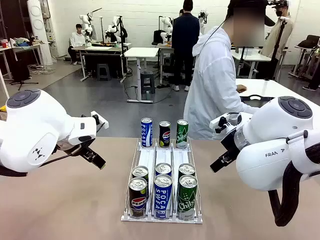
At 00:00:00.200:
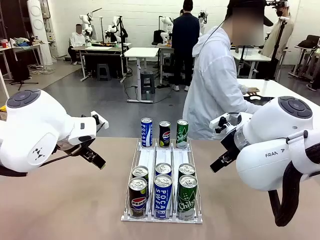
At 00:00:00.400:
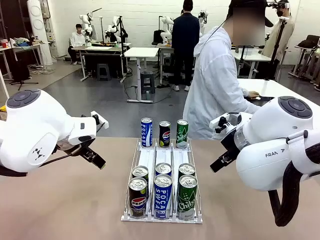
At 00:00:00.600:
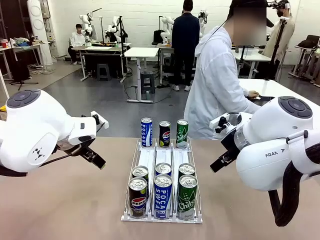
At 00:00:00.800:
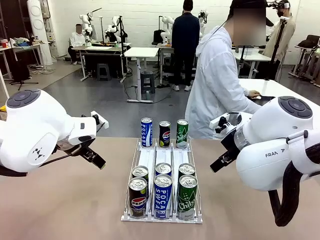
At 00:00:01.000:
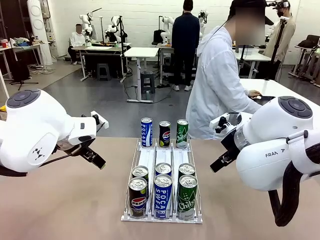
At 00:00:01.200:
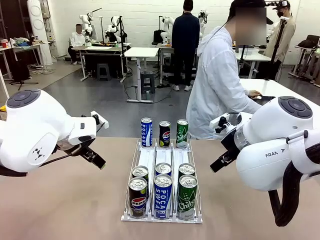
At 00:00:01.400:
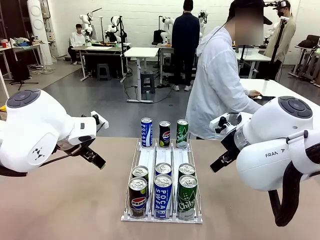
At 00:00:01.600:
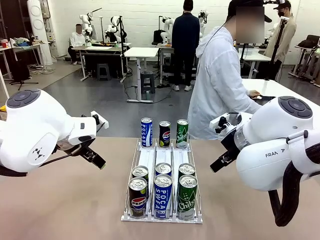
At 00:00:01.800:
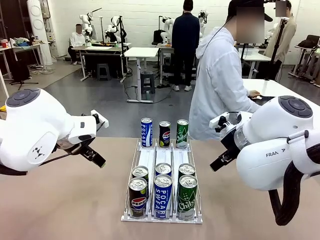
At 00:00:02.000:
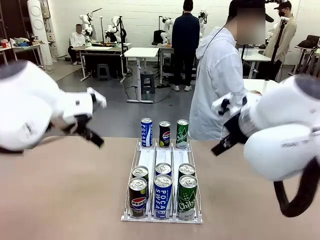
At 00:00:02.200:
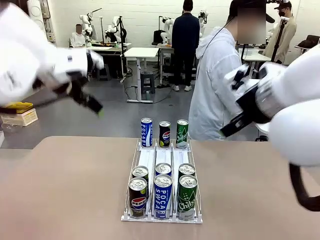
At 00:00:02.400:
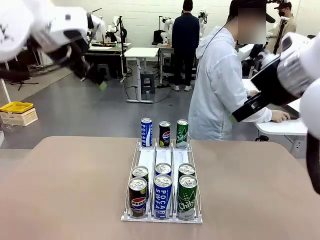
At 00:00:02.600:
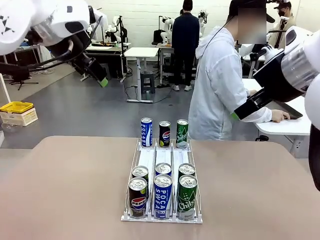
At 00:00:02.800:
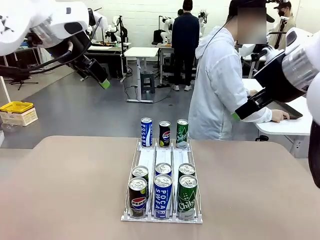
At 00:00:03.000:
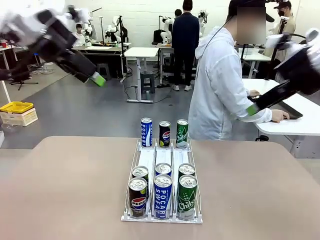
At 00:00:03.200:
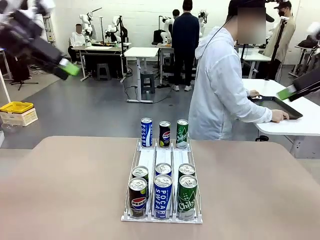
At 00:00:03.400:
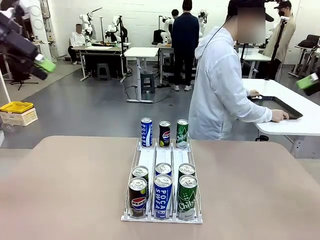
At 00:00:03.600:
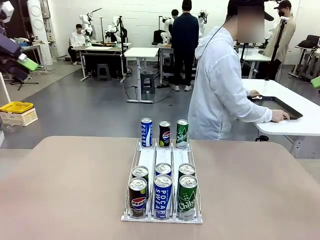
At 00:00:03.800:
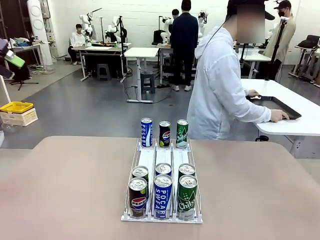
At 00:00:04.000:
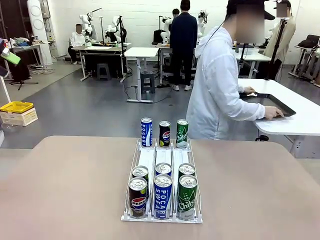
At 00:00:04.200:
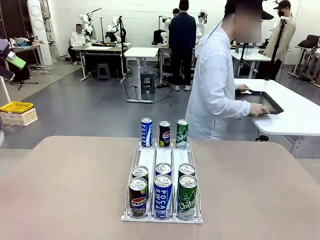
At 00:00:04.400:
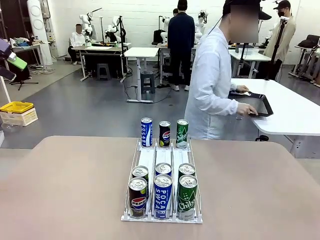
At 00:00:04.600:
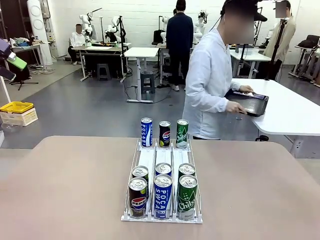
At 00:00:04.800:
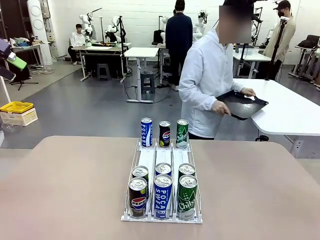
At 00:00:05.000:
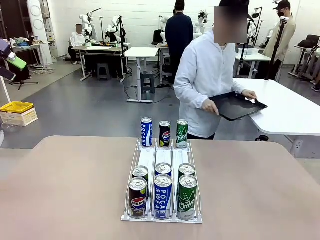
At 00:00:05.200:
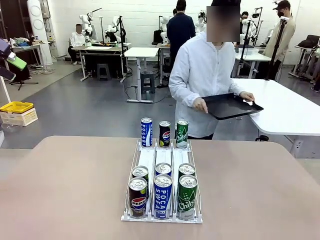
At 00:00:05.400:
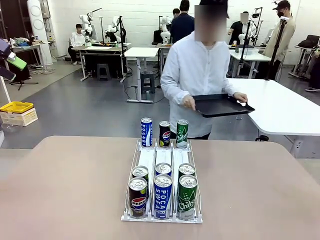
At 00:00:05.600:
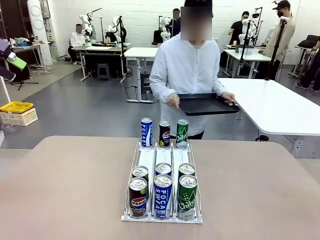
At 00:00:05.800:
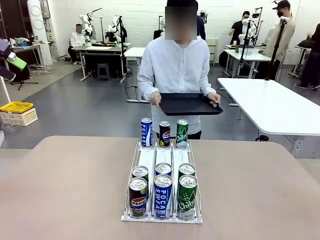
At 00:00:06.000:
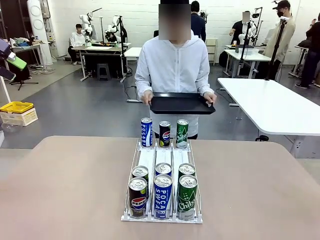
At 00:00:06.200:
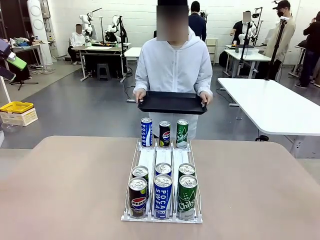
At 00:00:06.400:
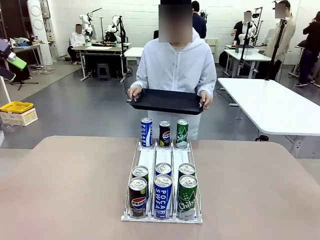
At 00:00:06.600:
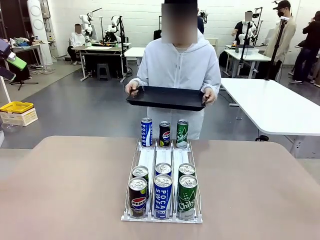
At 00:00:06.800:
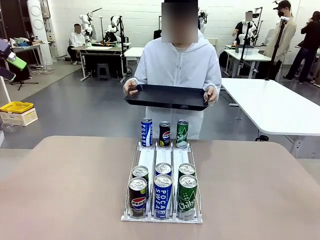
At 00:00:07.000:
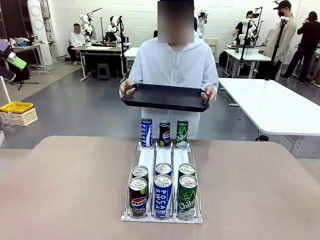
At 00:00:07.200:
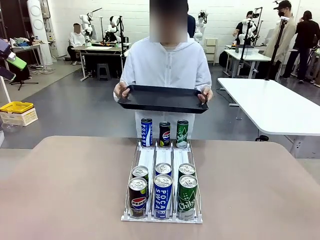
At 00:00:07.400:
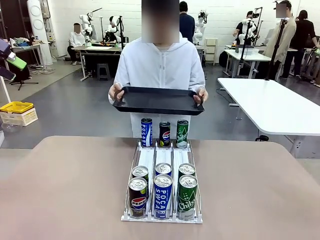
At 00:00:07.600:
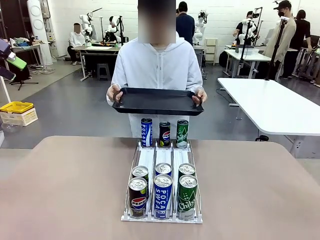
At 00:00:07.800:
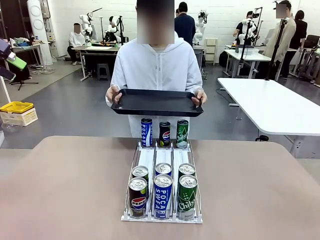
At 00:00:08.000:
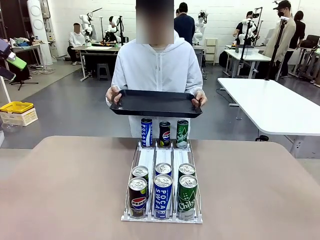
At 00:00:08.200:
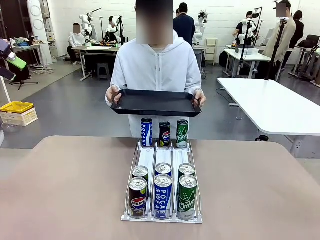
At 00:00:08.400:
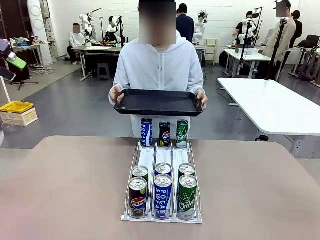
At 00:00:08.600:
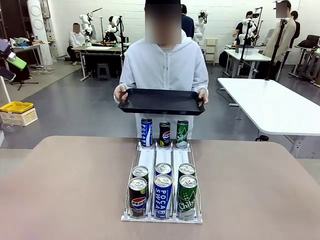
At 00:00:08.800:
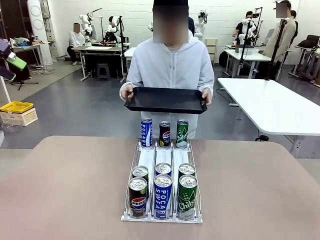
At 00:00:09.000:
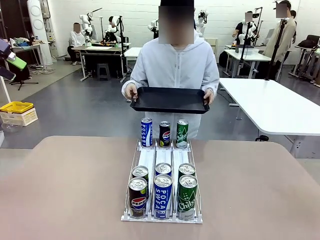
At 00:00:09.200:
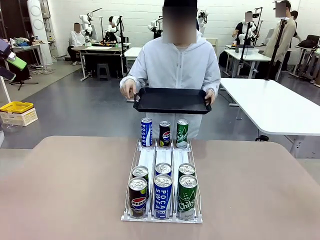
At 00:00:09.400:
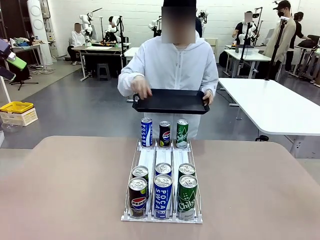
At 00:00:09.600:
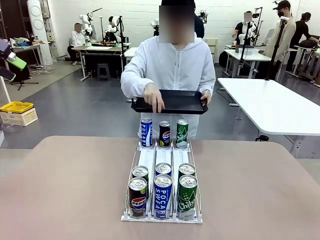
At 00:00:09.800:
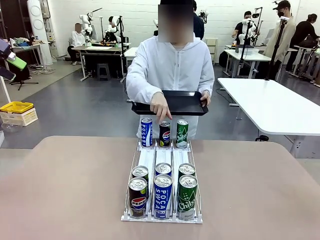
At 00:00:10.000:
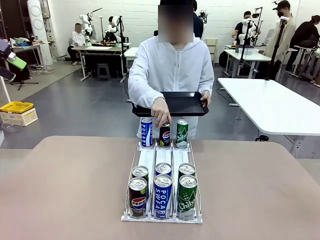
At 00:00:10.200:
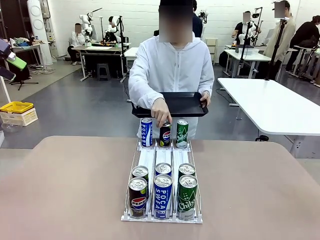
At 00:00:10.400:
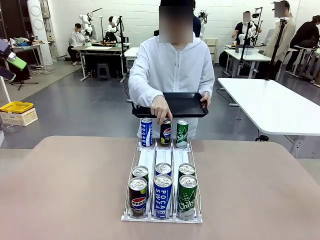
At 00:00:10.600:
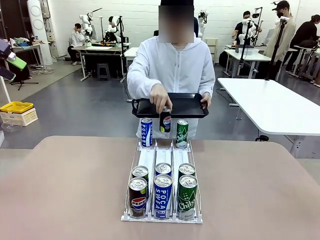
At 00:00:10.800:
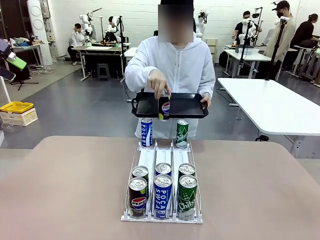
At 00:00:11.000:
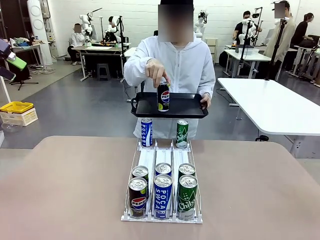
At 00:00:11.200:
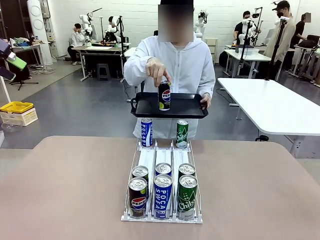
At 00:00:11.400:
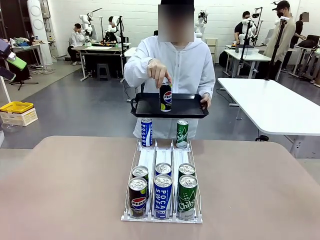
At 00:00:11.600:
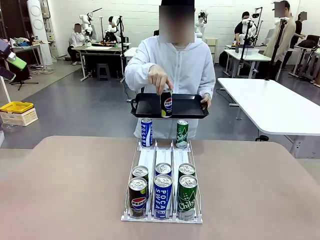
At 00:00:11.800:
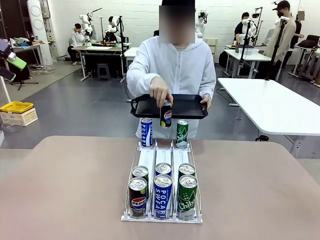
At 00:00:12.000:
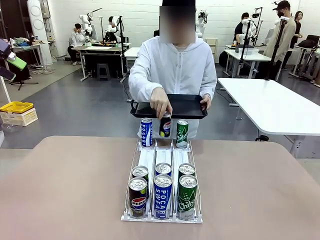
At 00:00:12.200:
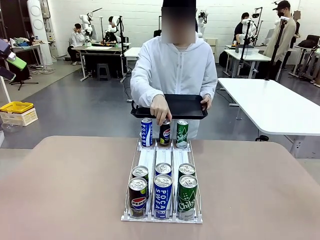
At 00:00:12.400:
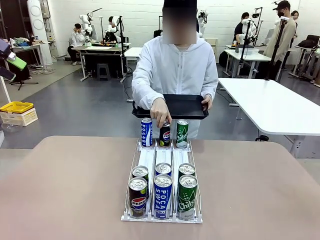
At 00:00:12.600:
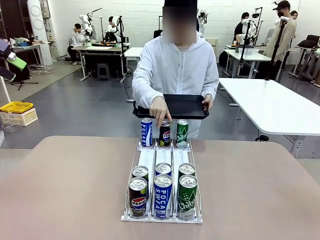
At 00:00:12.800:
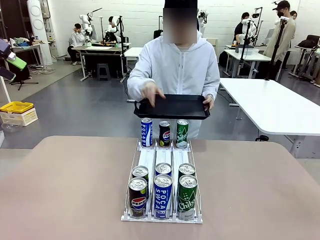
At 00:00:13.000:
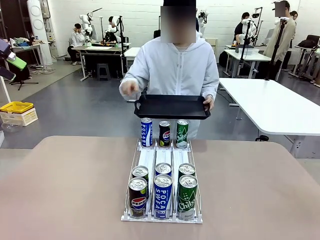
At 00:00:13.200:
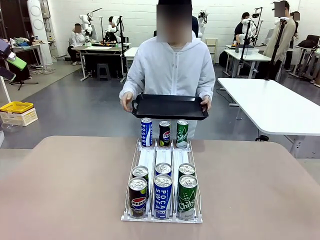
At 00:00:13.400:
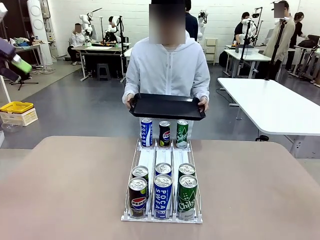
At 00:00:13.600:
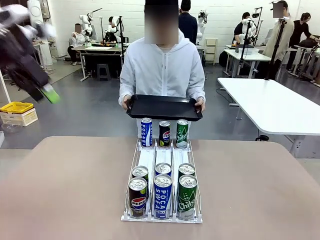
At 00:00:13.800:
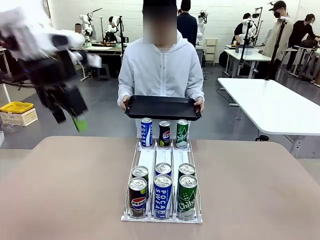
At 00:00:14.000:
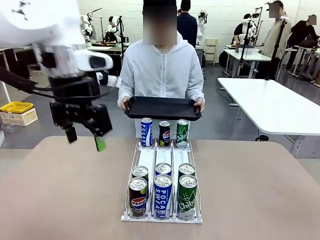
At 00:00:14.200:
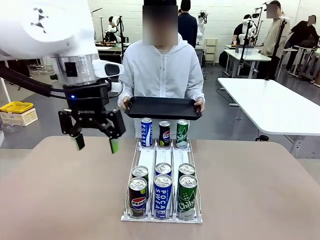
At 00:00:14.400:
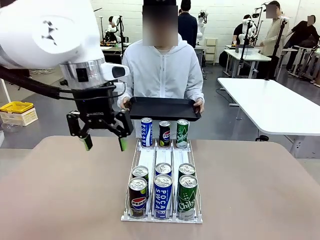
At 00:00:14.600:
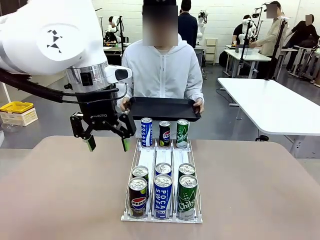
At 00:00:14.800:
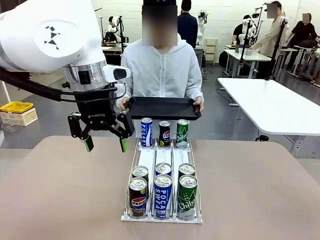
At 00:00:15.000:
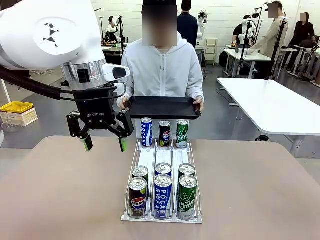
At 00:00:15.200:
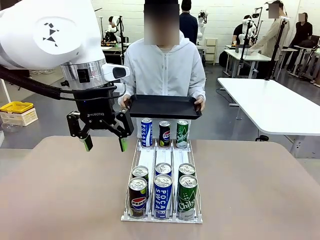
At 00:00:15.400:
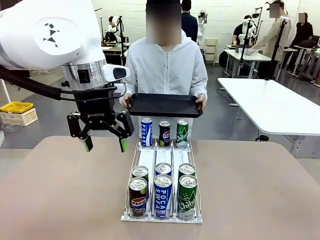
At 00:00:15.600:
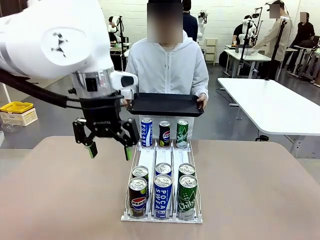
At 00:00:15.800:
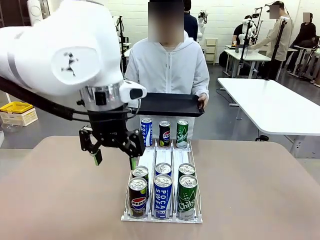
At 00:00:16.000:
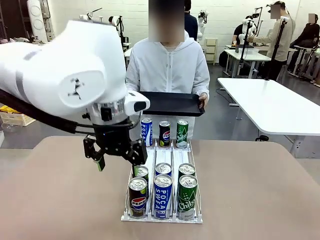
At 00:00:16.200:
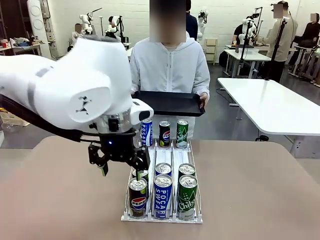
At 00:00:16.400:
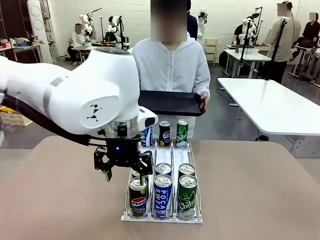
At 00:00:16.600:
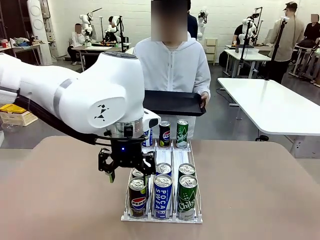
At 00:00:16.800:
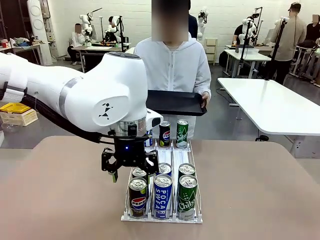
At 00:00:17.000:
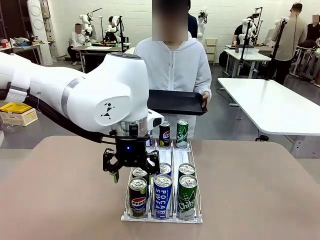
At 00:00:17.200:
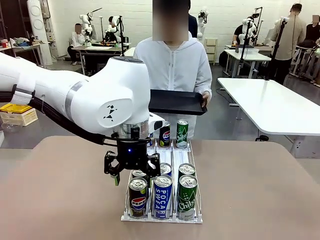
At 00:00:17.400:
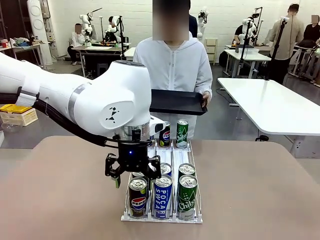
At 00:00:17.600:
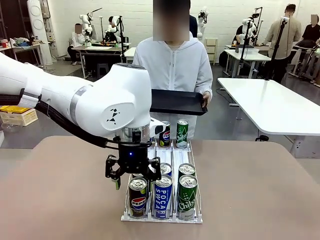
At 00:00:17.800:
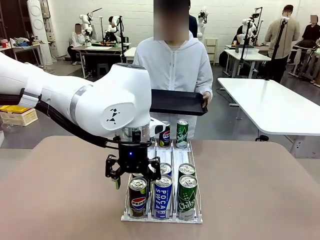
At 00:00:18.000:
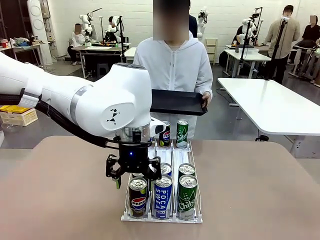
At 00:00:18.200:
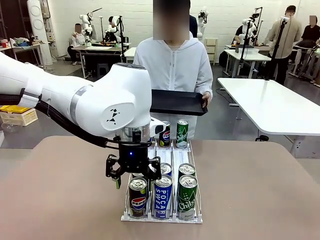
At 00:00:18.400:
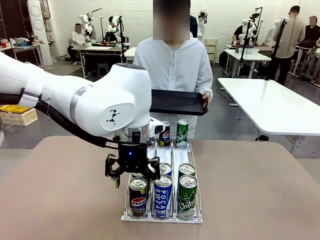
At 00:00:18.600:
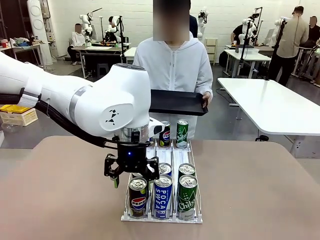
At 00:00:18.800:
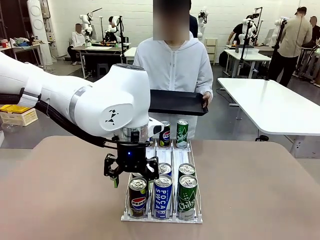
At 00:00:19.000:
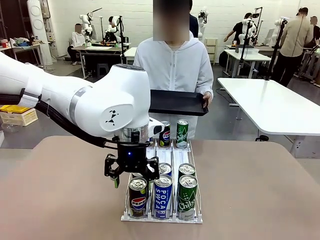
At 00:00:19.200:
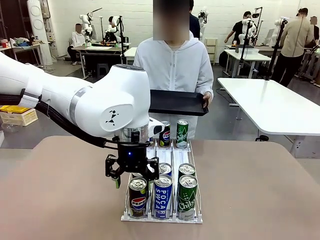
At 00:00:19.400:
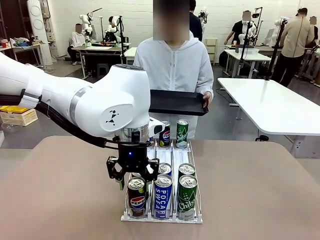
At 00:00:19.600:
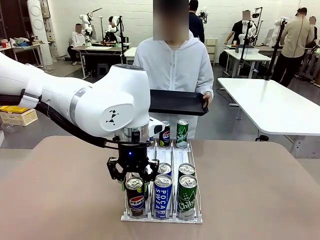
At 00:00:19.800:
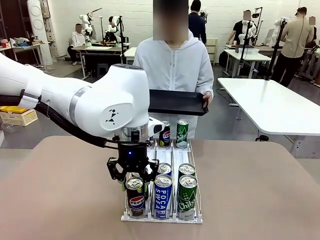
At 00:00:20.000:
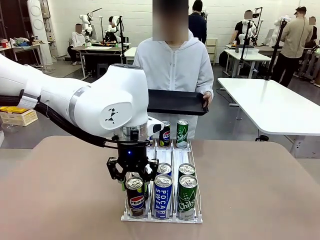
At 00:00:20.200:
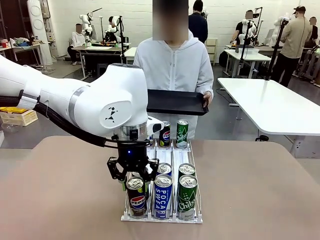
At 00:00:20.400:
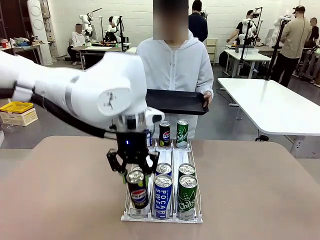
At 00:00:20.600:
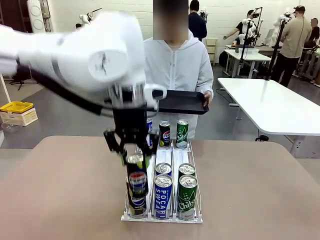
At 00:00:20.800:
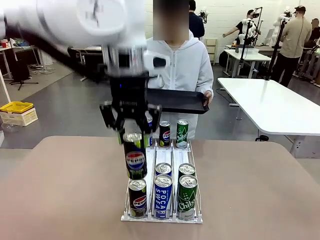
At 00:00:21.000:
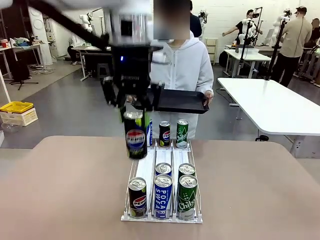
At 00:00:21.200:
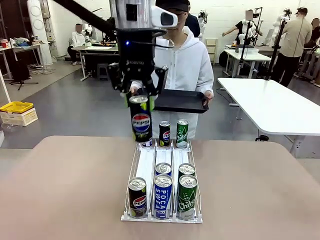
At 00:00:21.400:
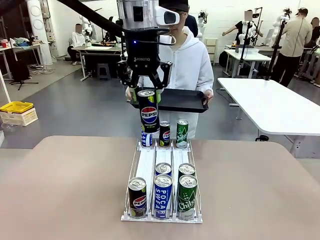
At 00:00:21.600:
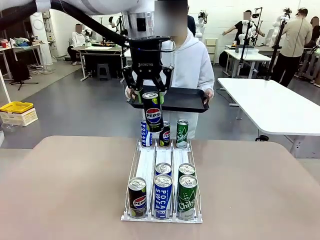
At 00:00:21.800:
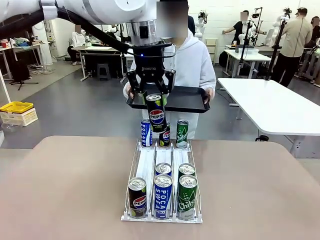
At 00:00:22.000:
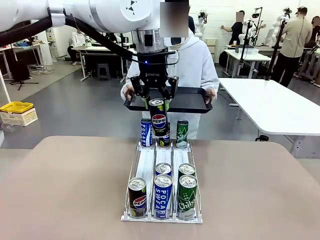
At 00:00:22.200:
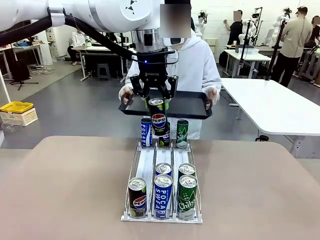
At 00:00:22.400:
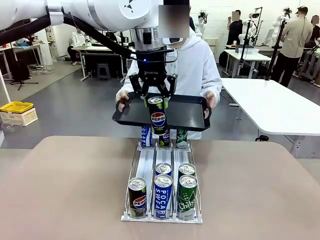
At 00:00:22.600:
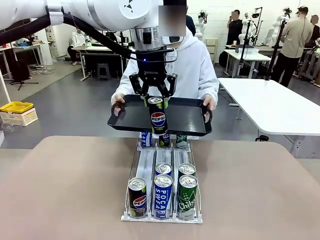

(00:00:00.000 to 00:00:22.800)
Task: Retrieve and hand over the desired beverage to the person.
Robot: Pick up a can of the same type that the person held from the Automatic Can Dispenser.
Person: Hold the tray and position yourself in front of the robot table. Pick up one can from the bottom area of the table and puts it back in its original place. Push the tray toward the robot.
